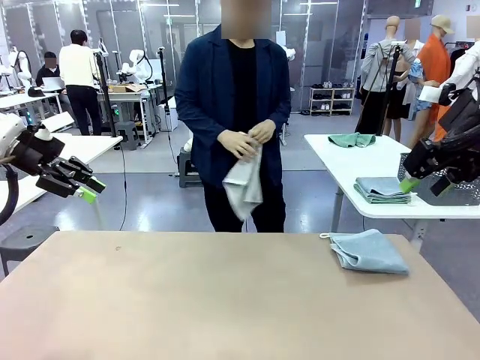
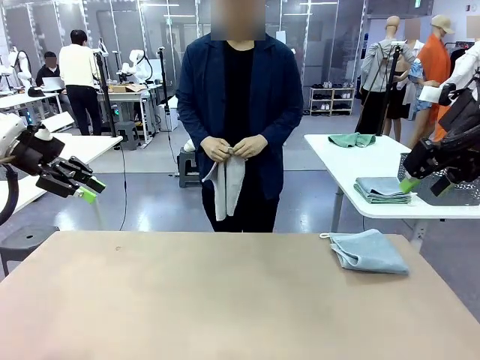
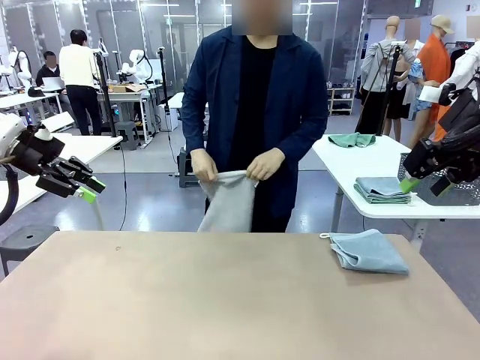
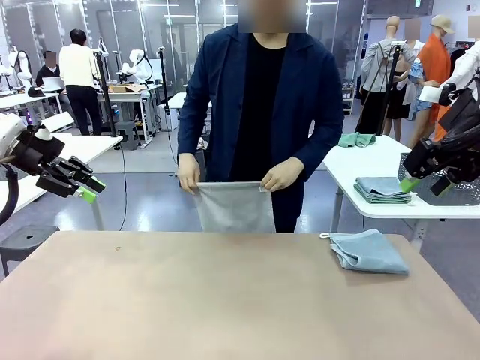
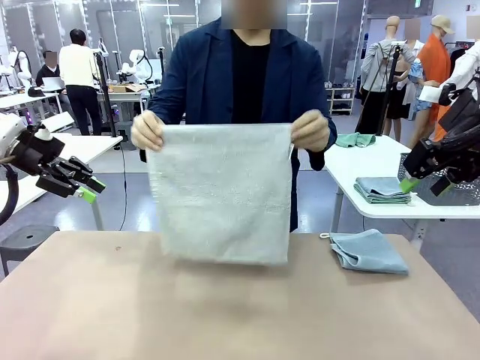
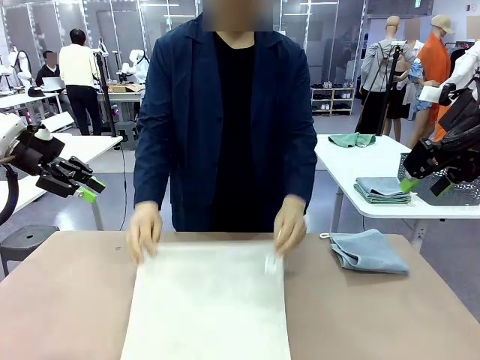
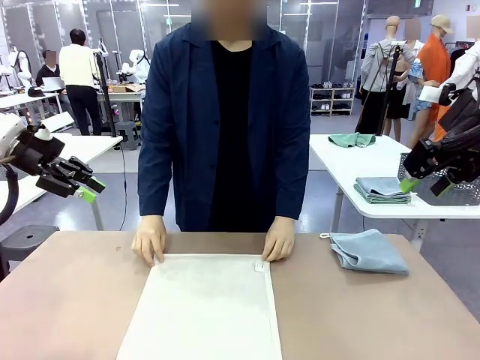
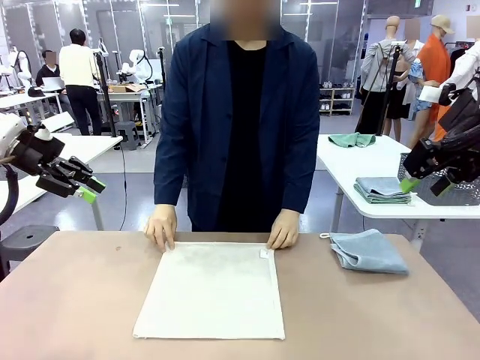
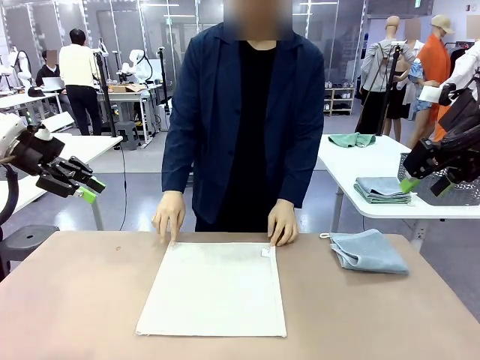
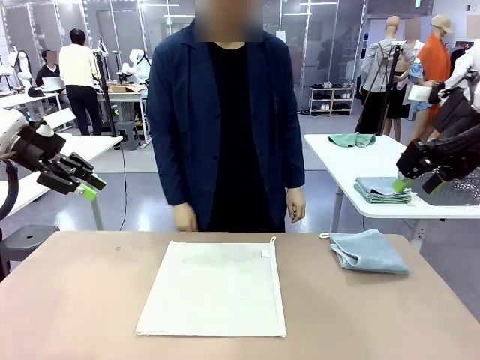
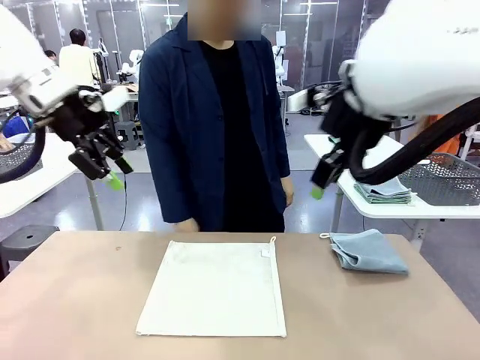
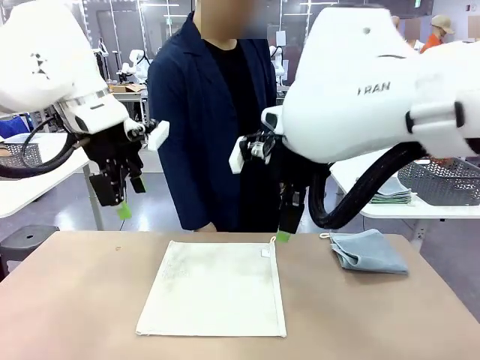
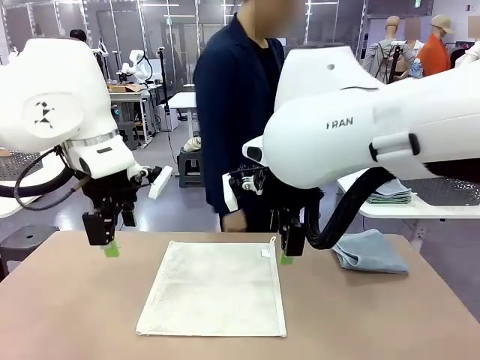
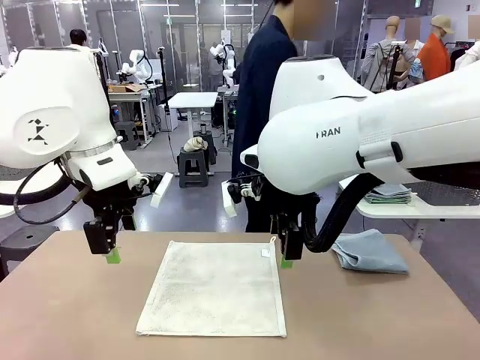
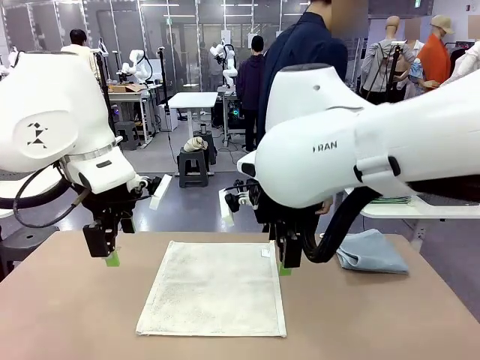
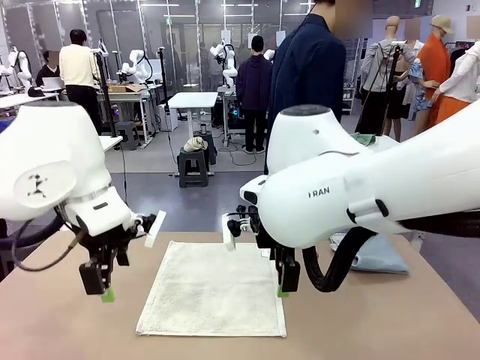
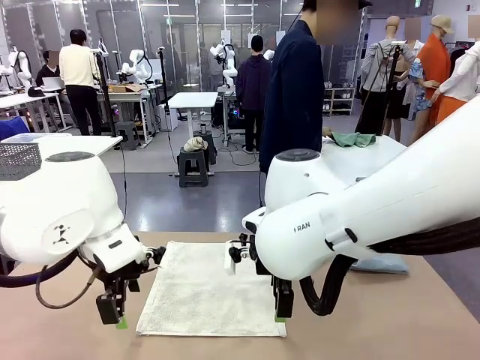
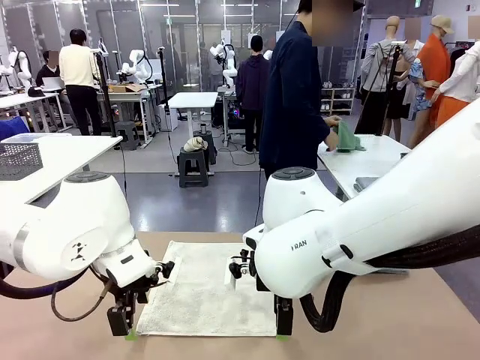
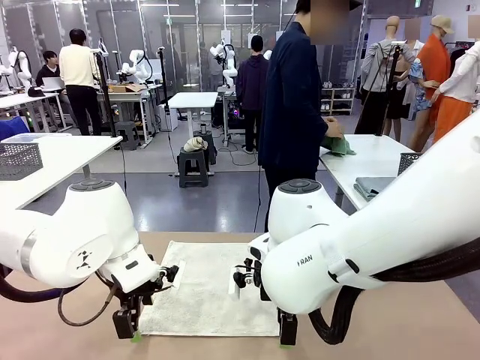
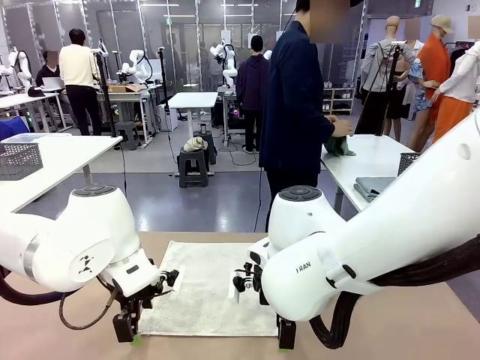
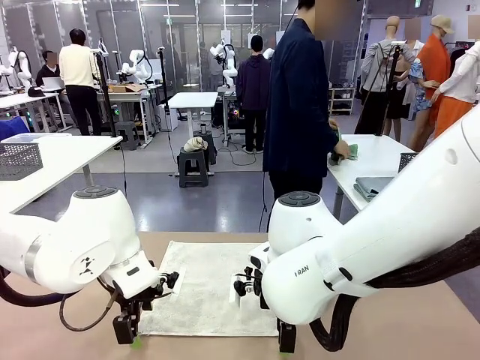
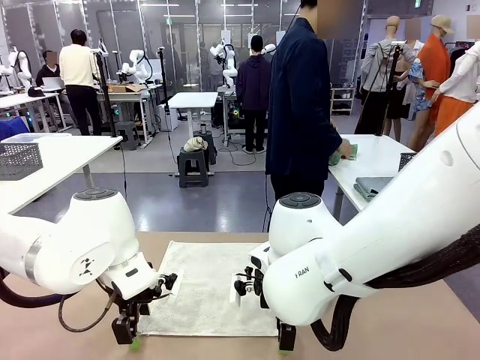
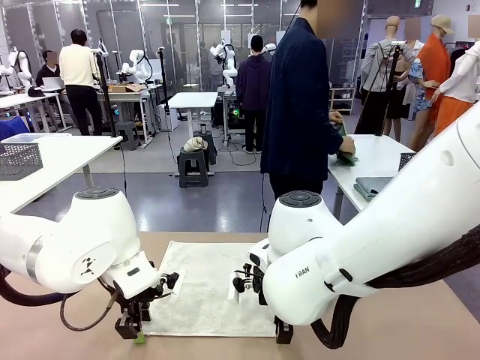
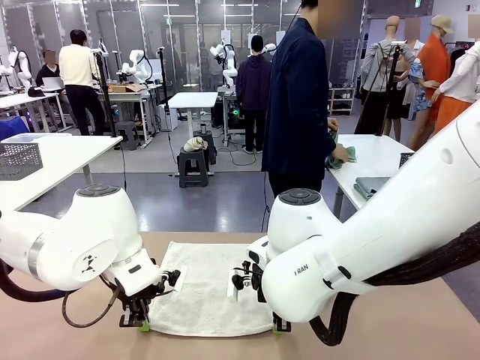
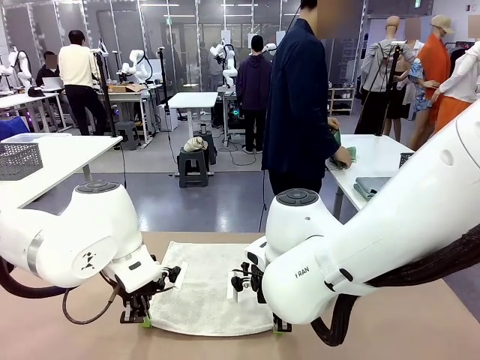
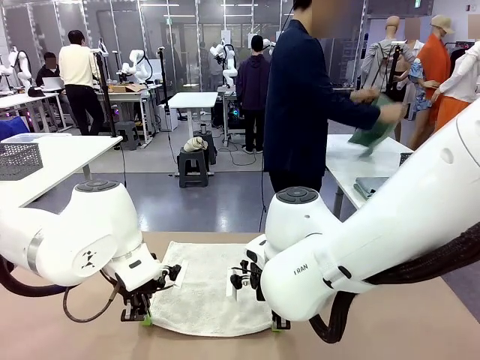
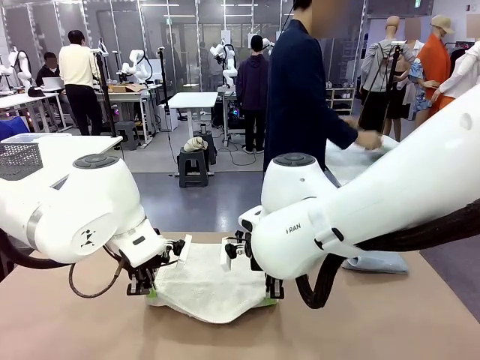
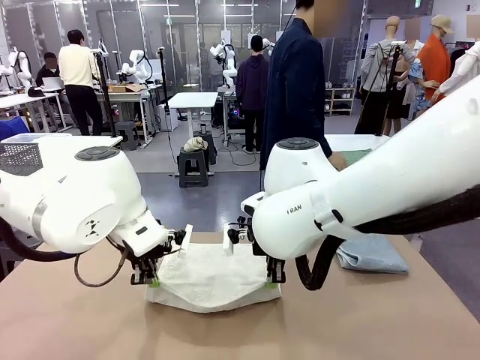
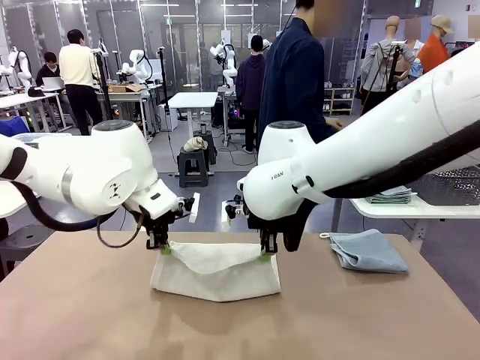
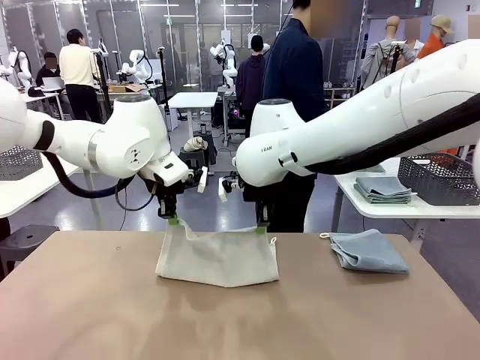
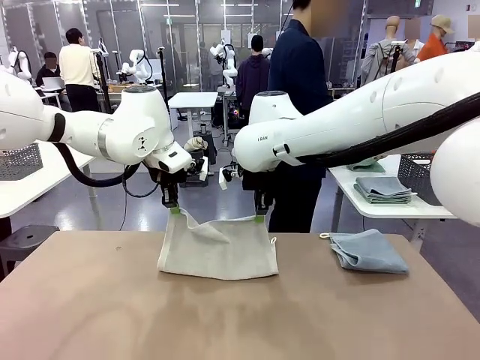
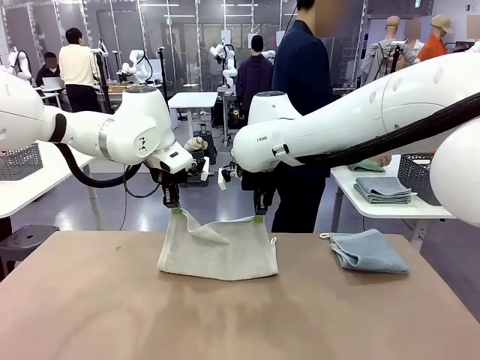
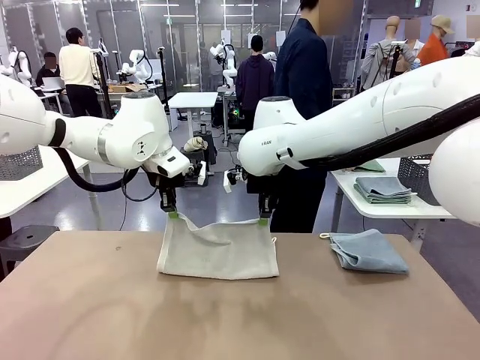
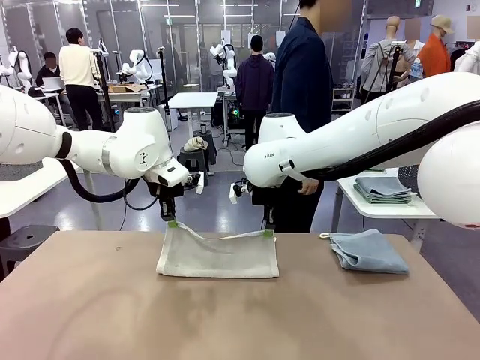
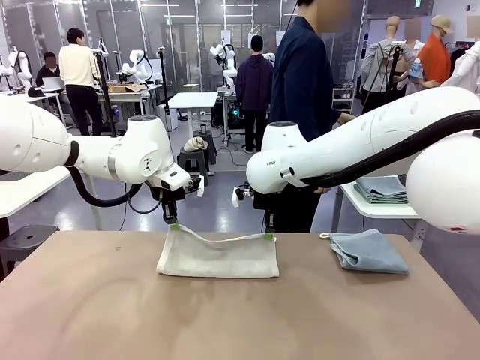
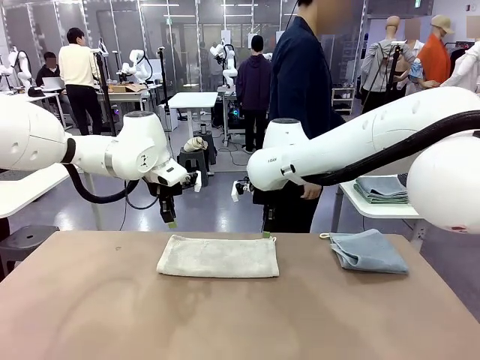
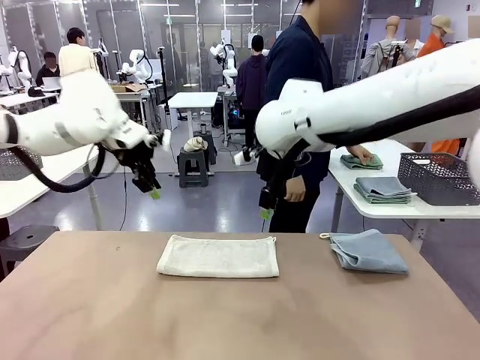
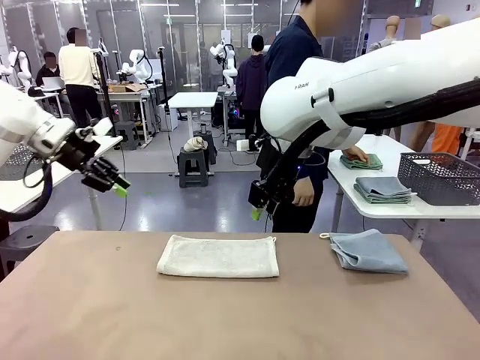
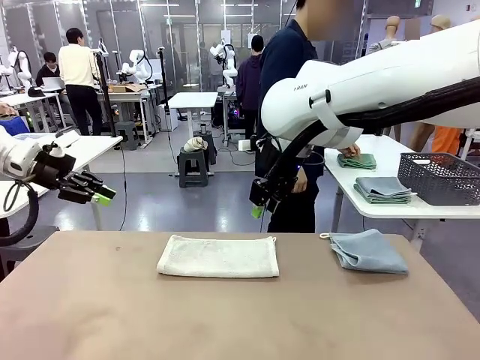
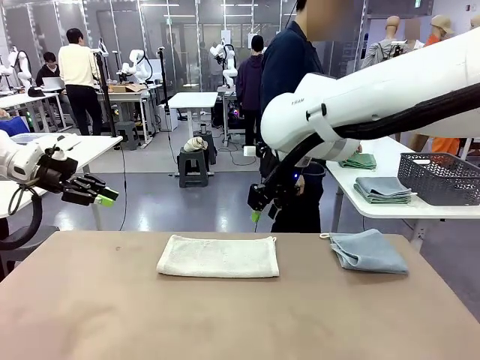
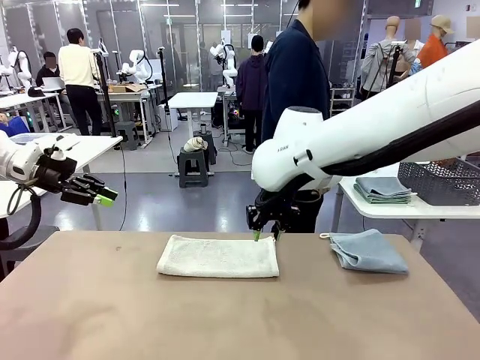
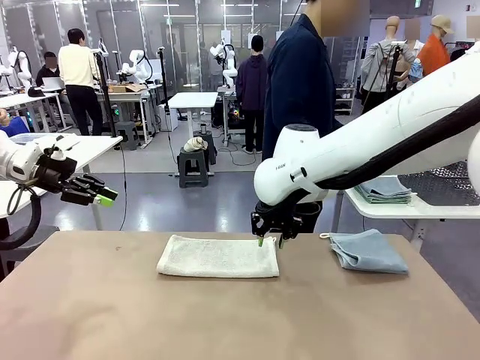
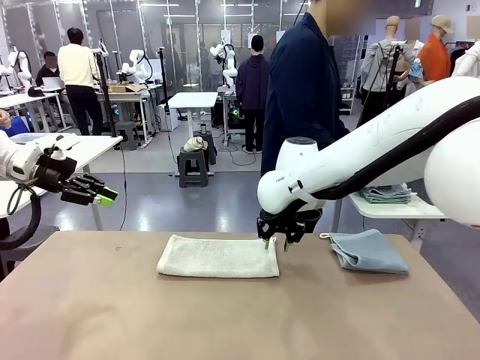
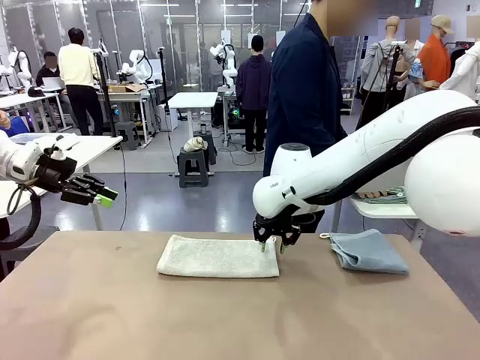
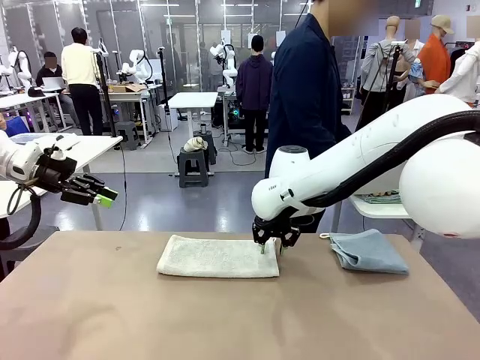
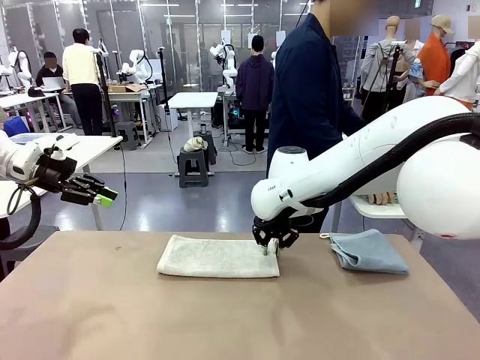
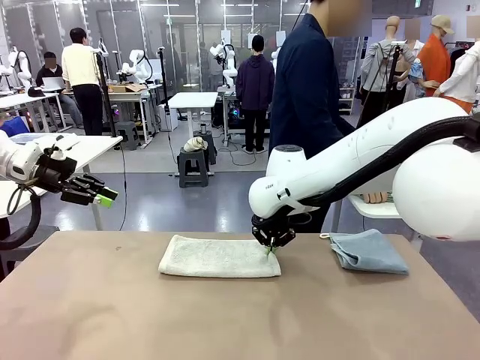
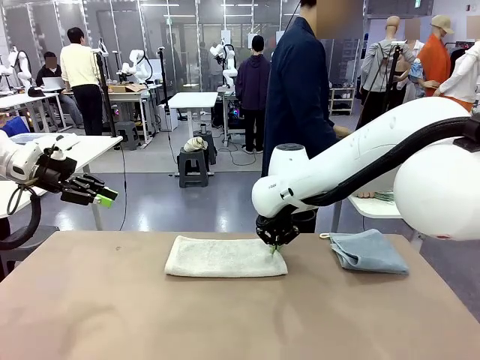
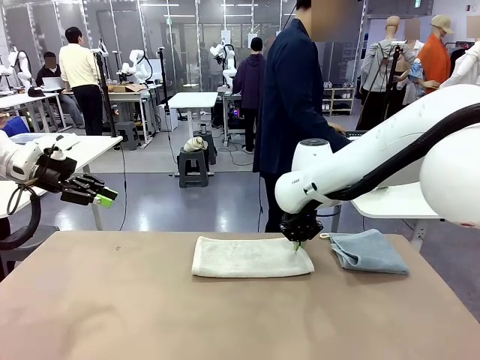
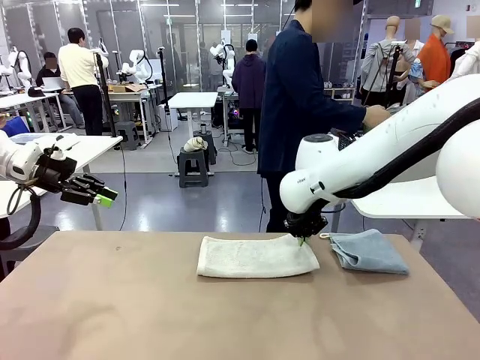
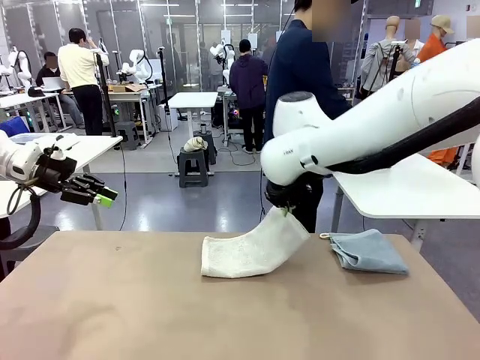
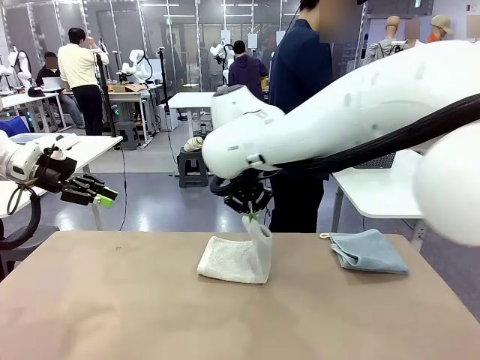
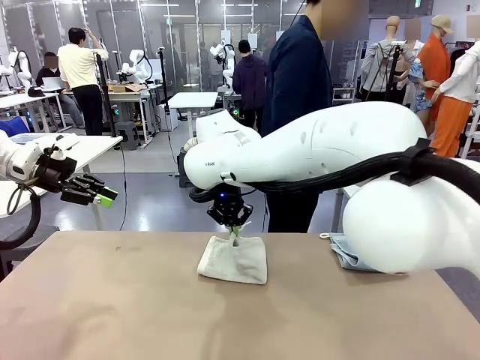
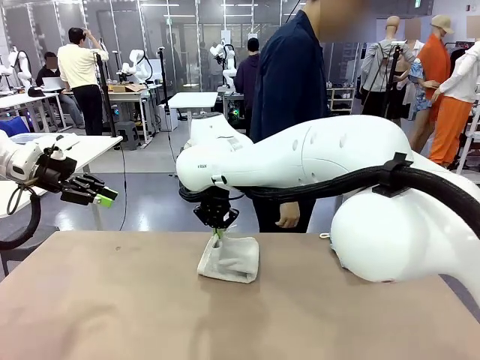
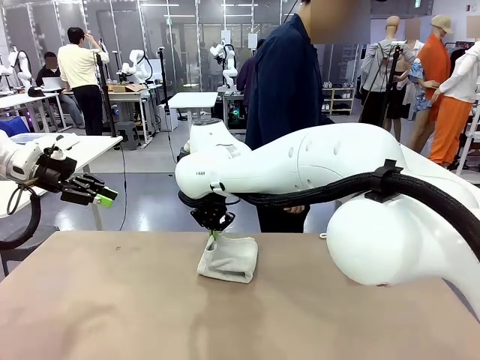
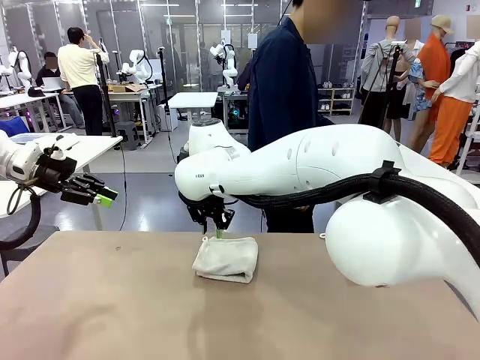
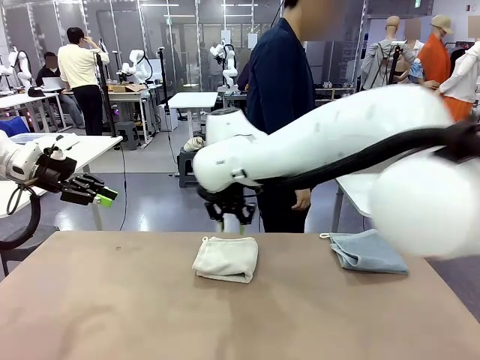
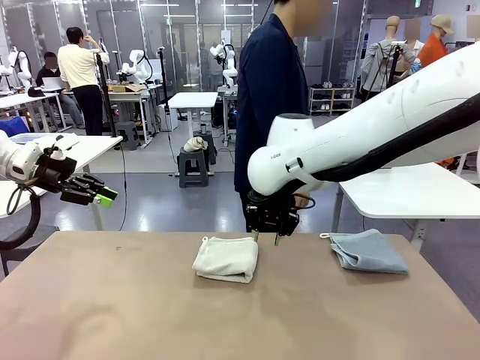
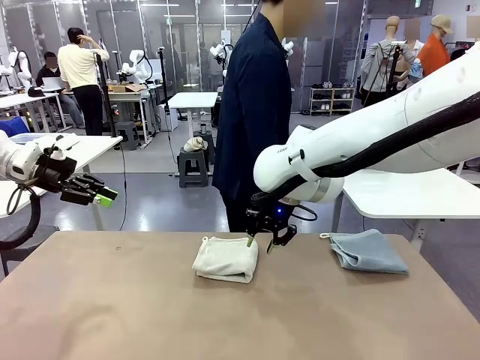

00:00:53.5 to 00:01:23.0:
Task: Fold the towels and place them in the basket.
Robot: When a person lays out a Towel with hook on the table, fold it in half twice.
Person: Pick up one towel from the left side of the human table, fold it in half twice, and stack it on the right side of the table. Pick up the stack of towels from the right side of the human table, place it into the basket, and put the basket at the center of the table.
